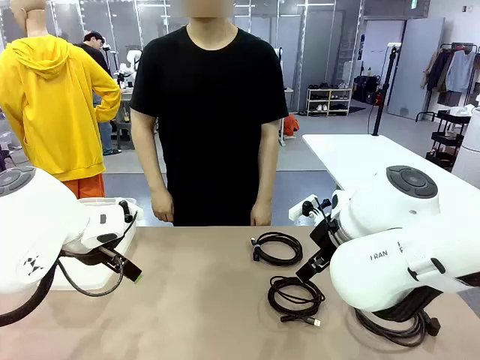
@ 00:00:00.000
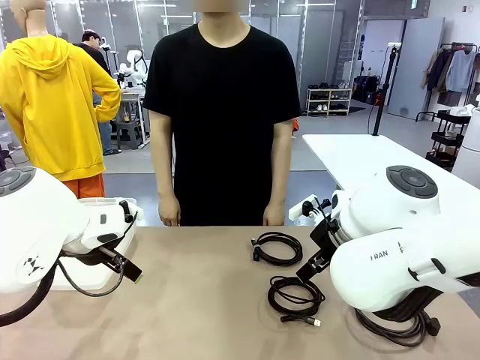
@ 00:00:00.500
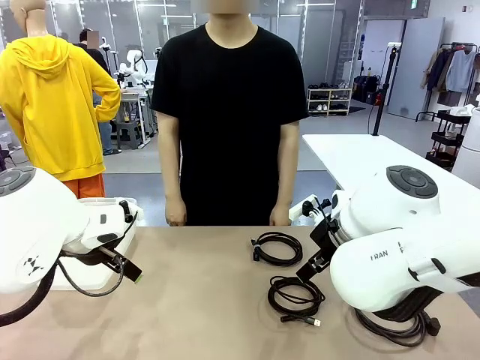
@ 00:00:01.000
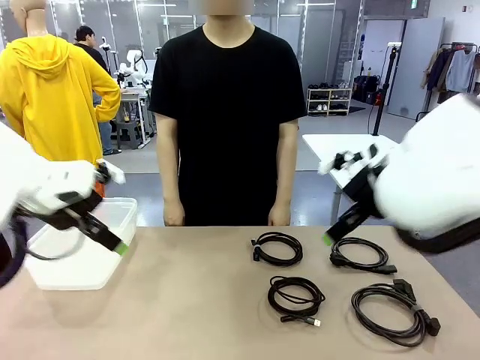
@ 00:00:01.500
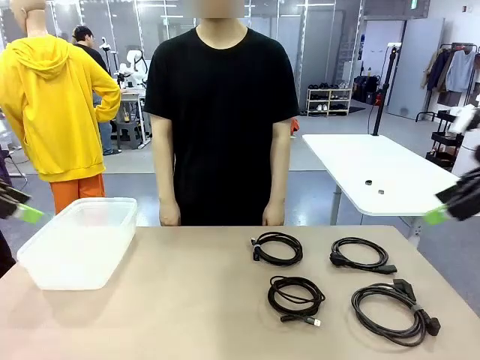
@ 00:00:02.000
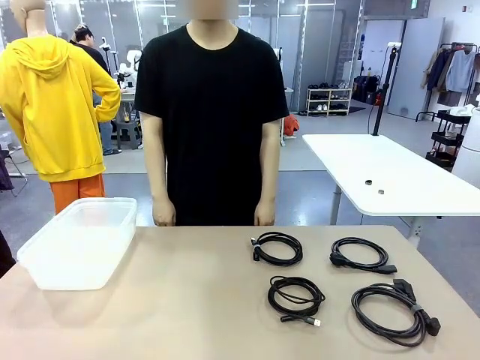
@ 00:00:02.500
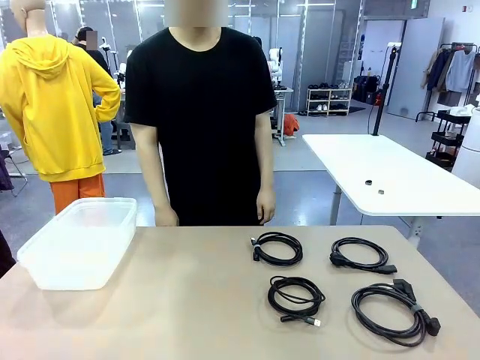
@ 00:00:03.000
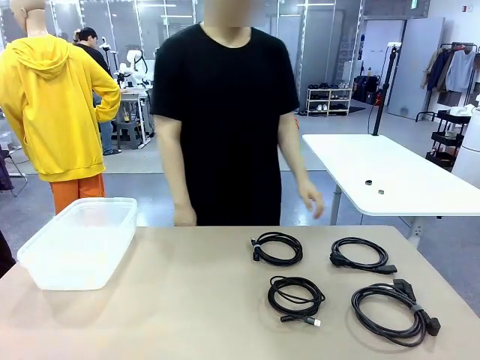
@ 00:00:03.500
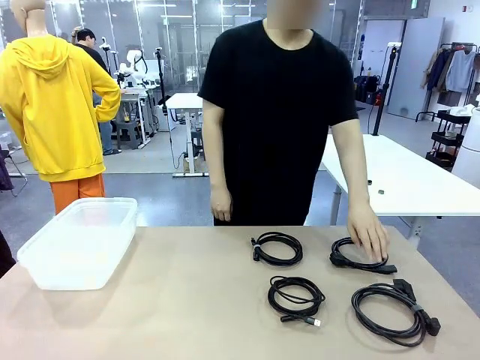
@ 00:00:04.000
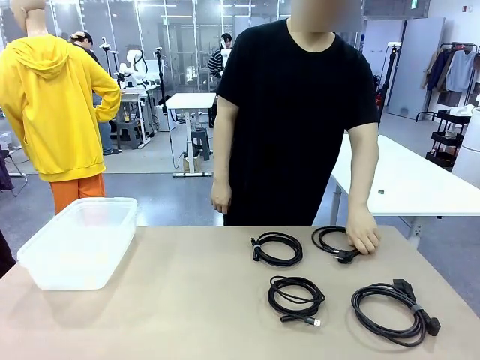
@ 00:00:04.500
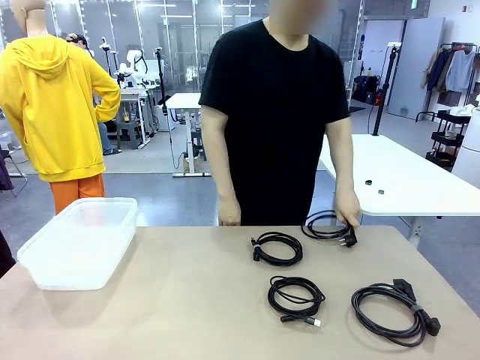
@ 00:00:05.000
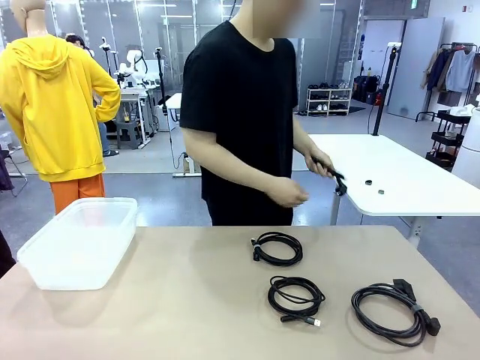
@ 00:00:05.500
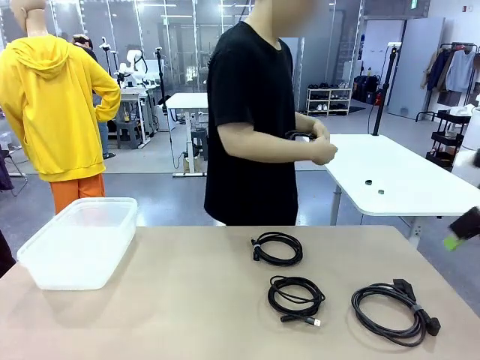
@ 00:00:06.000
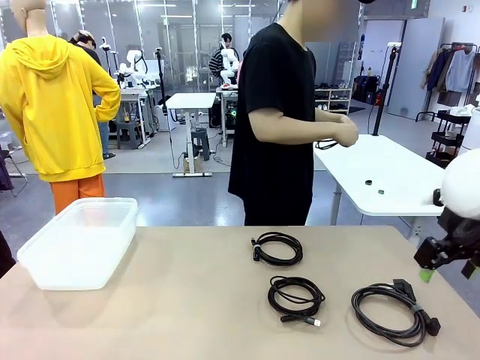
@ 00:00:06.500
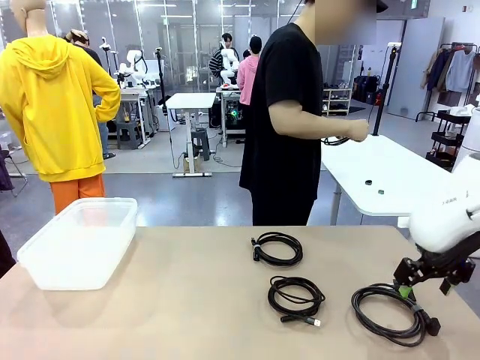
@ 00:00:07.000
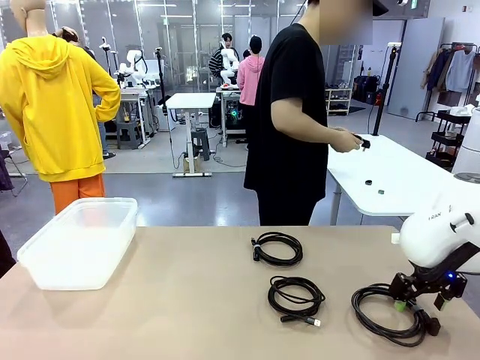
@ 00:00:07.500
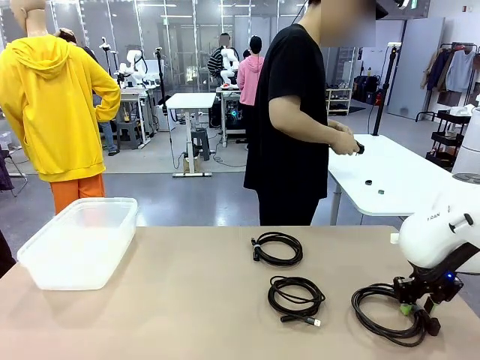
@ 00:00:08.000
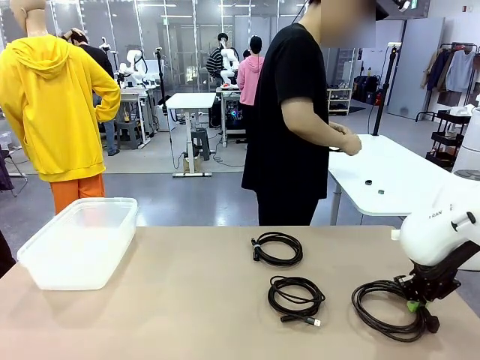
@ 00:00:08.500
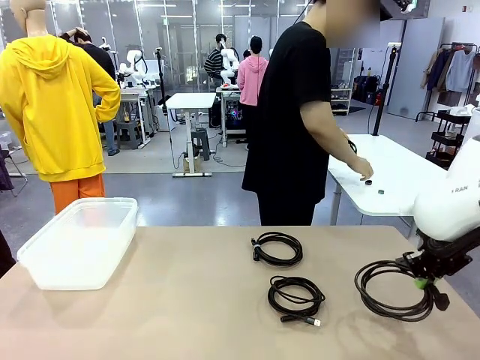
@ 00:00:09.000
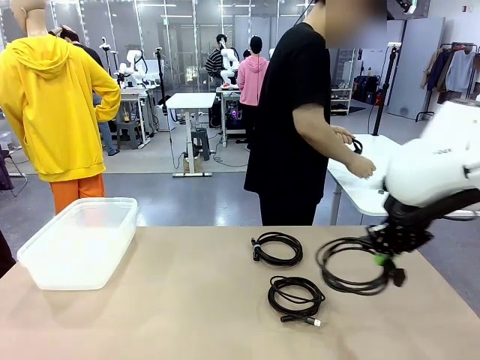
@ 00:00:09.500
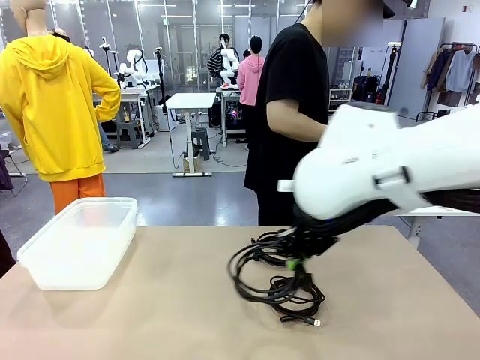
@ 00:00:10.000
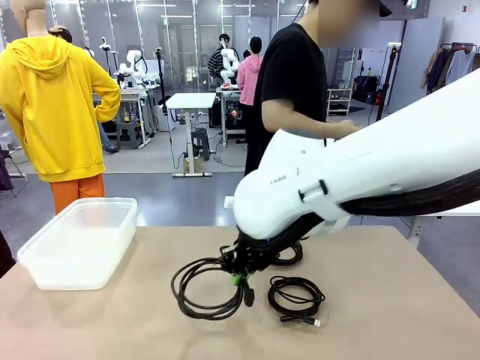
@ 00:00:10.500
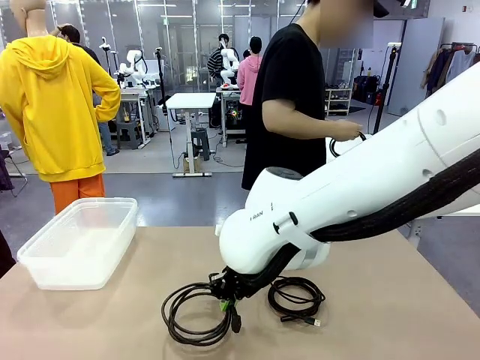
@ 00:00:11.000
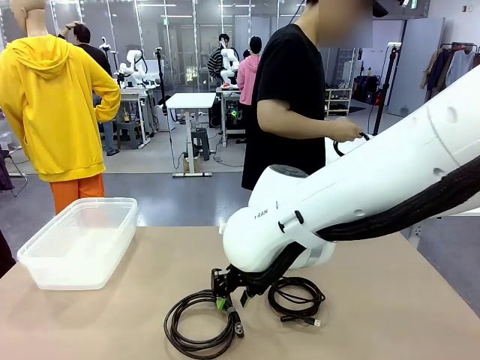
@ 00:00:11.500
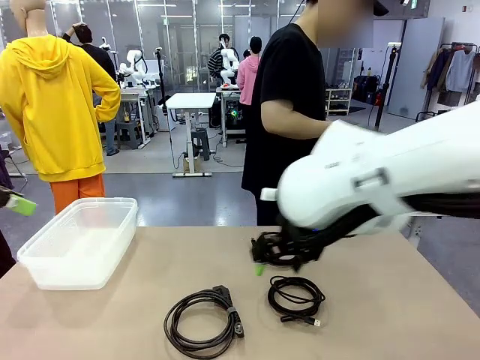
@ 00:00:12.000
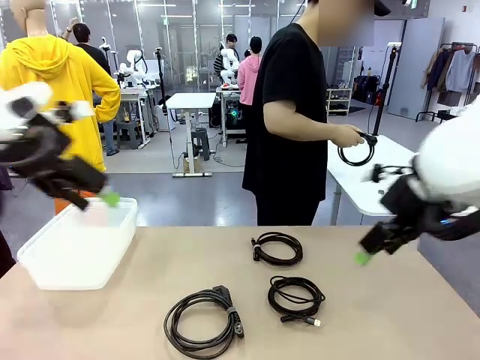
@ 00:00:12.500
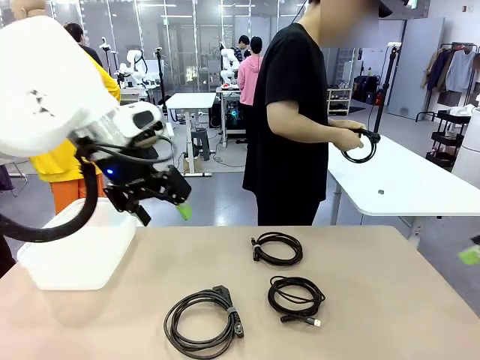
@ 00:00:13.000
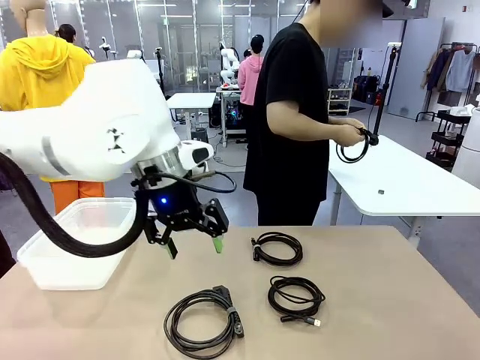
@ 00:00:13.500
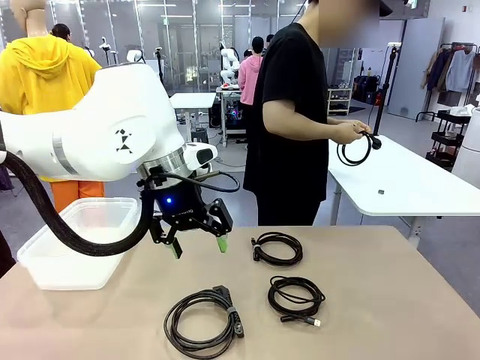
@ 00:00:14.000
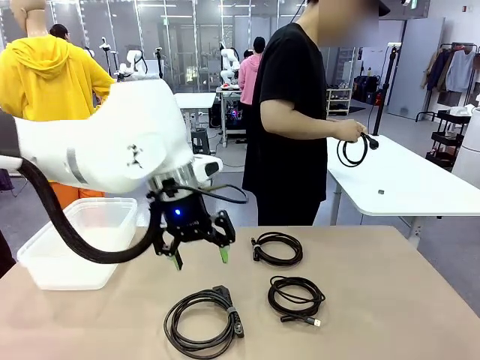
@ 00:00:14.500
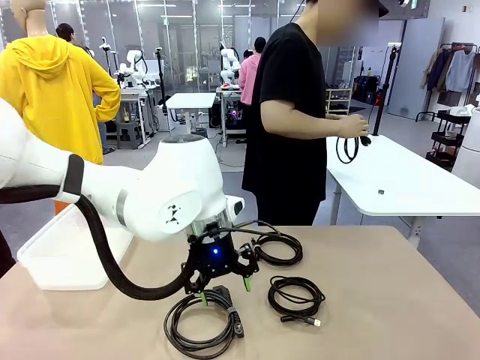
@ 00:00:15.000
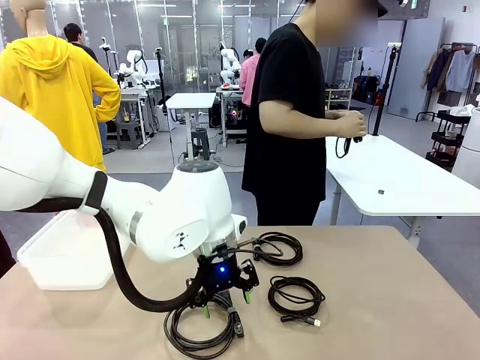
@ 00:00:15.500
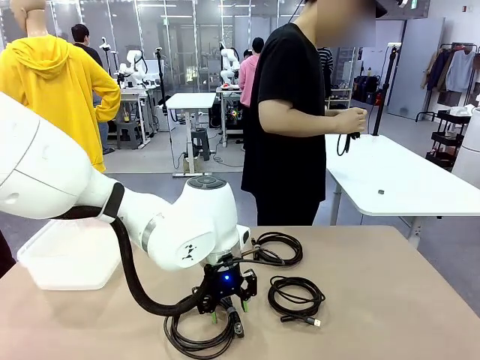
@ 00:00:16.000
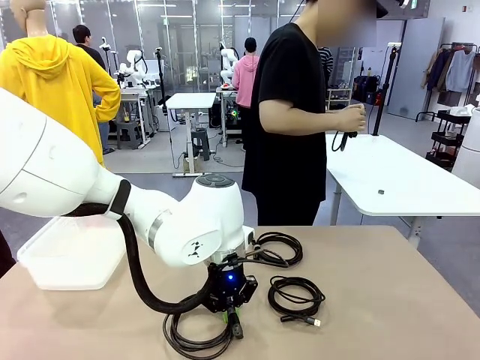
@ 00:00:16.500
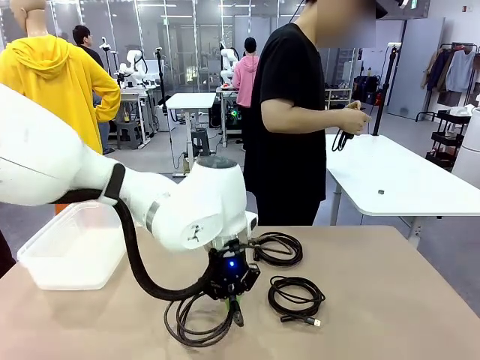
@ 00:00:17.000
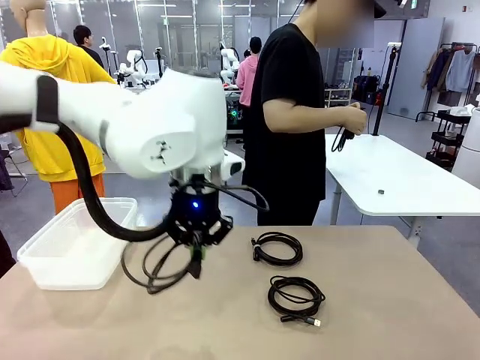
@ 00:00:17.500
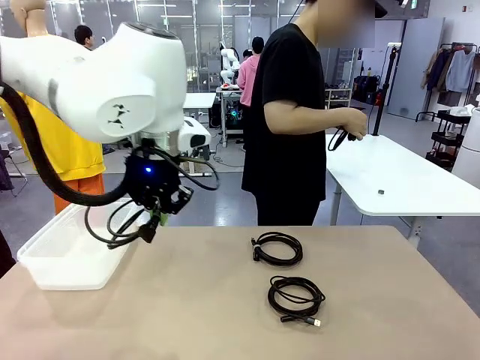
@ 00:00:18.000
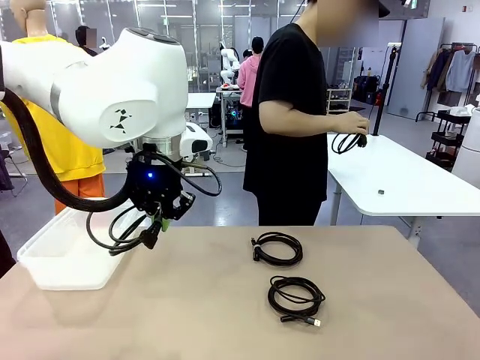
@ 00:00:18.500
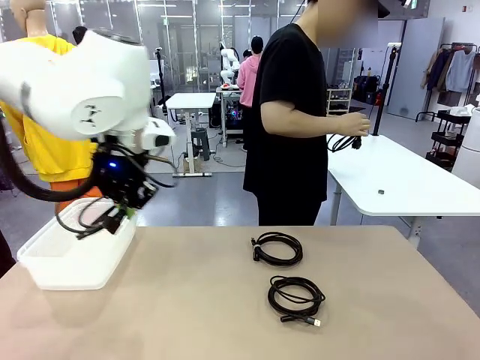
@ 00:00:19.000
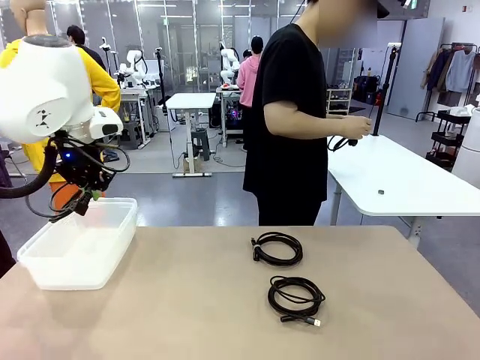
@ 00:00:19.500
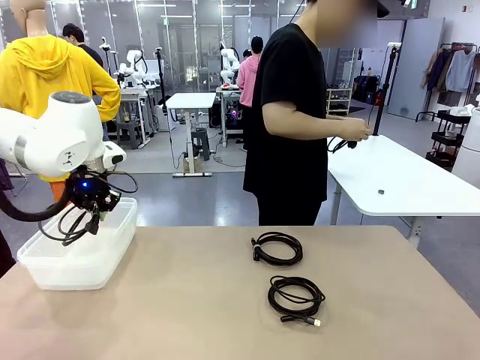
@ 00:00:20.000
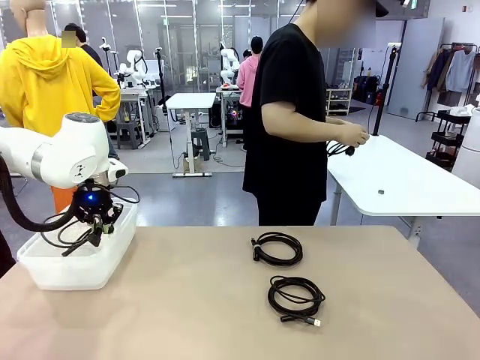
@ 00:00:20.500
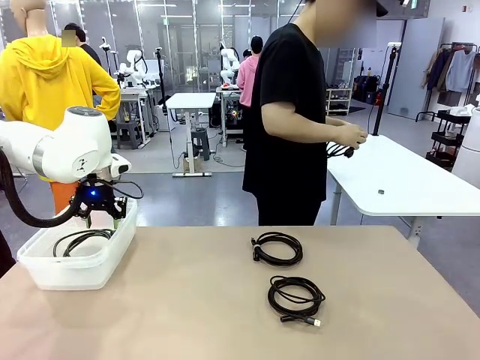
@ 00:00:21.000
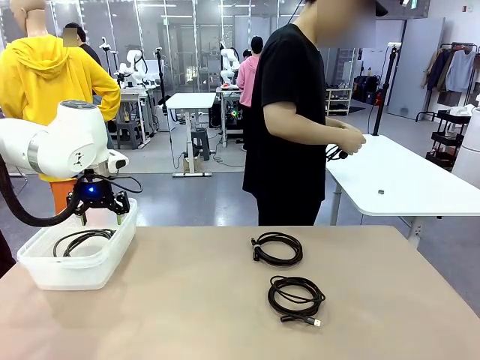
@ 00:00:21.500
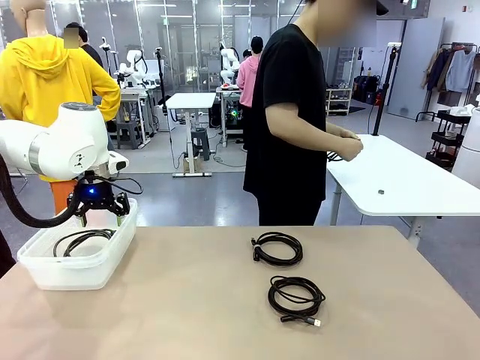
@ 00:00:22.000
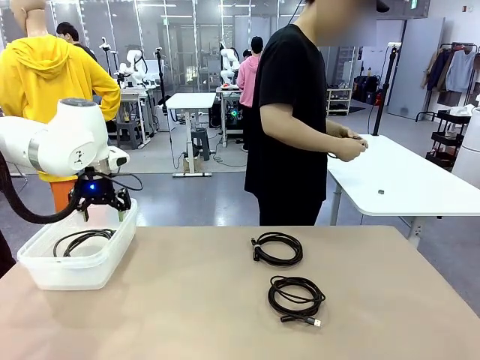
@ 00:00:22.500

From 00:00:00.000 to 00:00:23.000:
Task: Organize and store the cables.
Robot: Place the Power Cable into the Organizing box.
Person: Tie one Power Cable with a Reusable Cable Tie.
